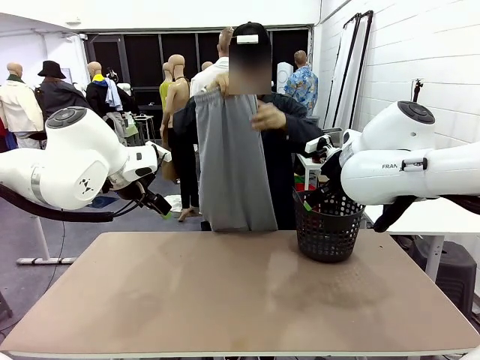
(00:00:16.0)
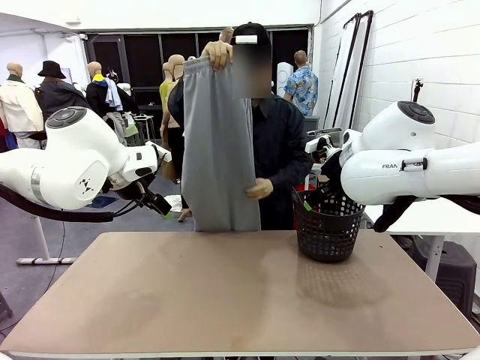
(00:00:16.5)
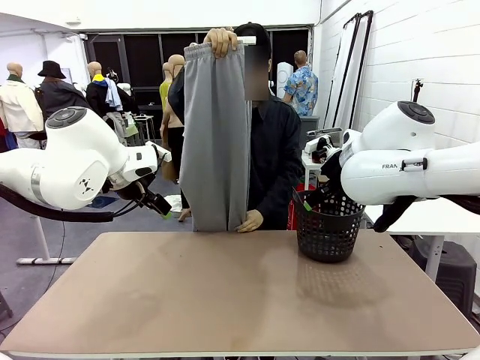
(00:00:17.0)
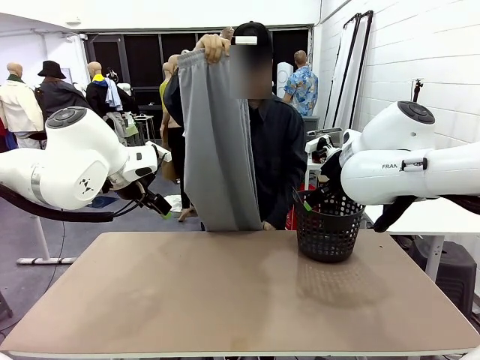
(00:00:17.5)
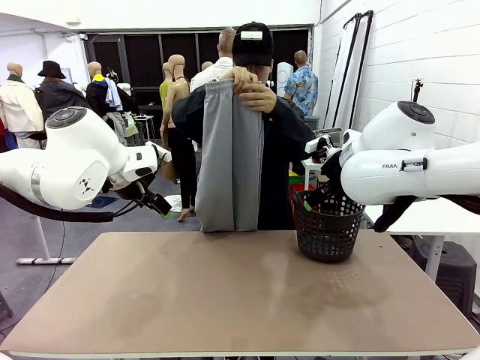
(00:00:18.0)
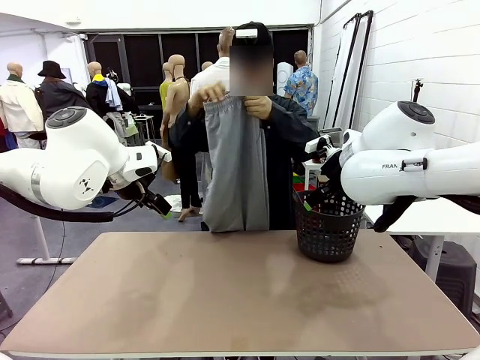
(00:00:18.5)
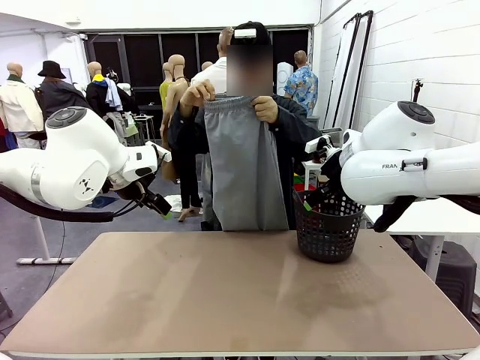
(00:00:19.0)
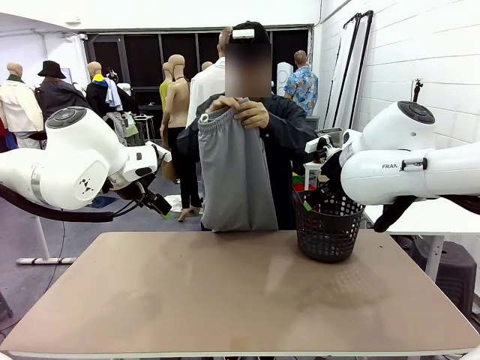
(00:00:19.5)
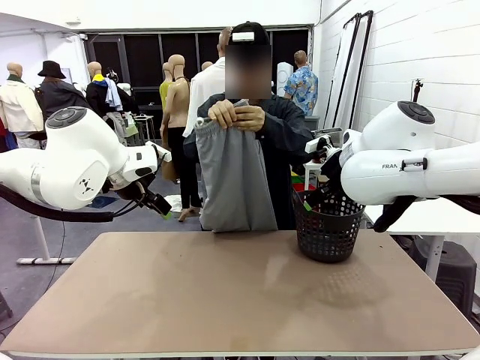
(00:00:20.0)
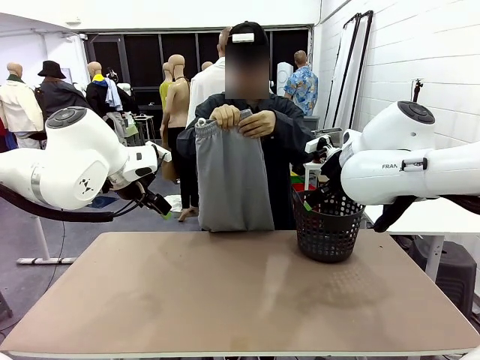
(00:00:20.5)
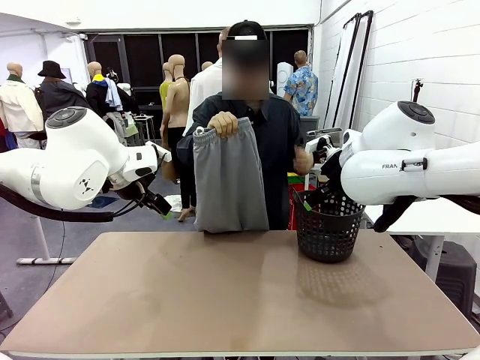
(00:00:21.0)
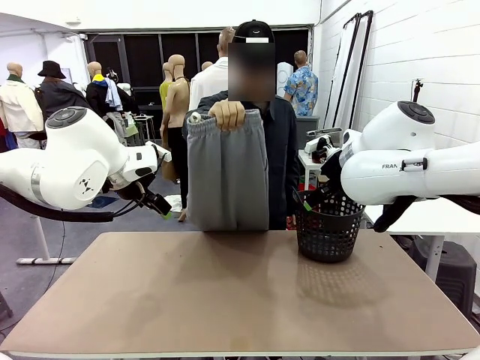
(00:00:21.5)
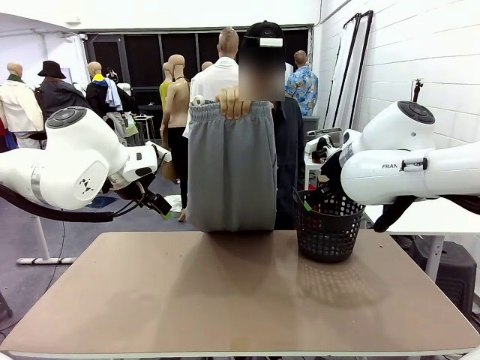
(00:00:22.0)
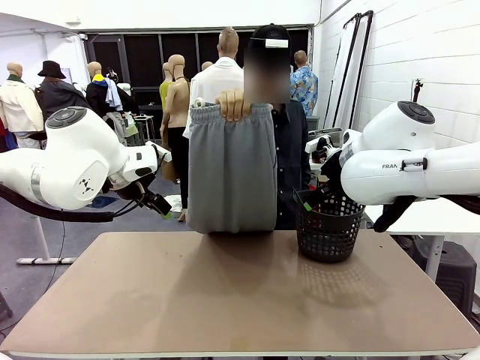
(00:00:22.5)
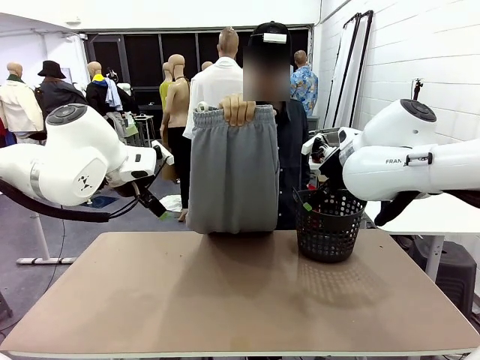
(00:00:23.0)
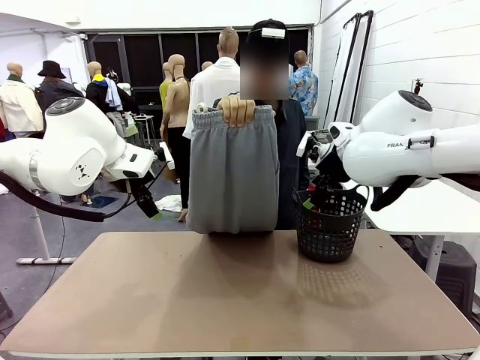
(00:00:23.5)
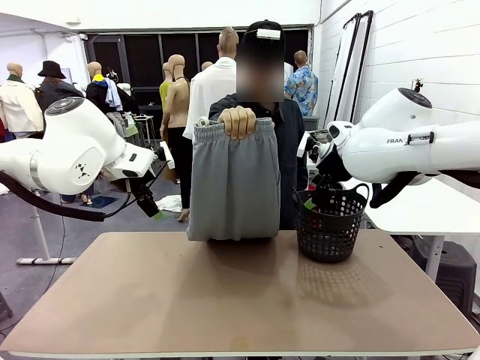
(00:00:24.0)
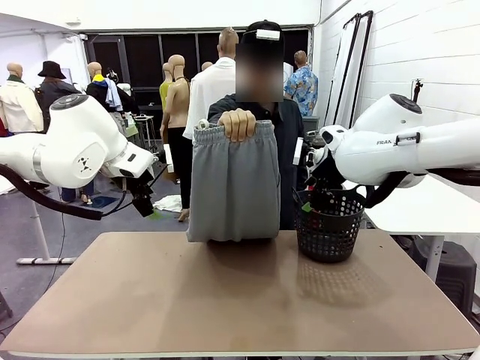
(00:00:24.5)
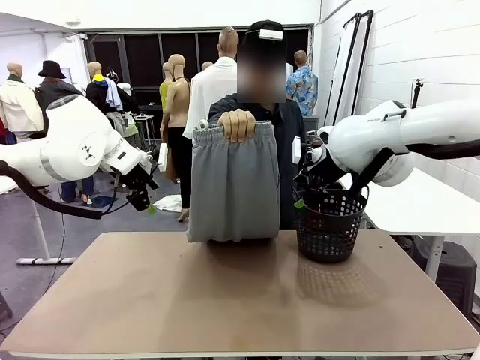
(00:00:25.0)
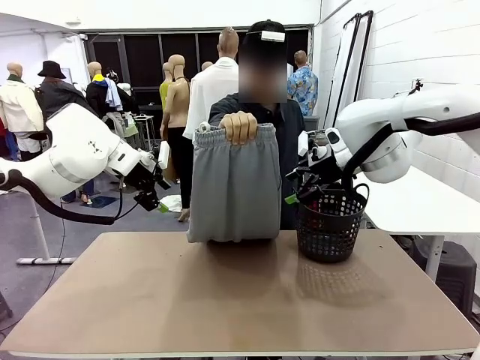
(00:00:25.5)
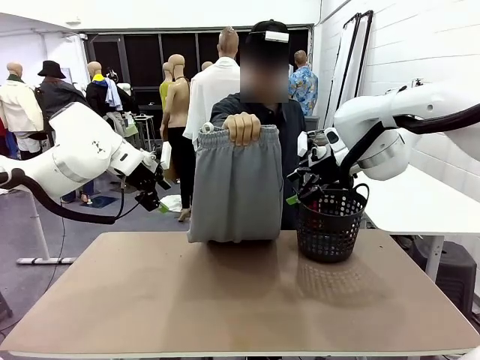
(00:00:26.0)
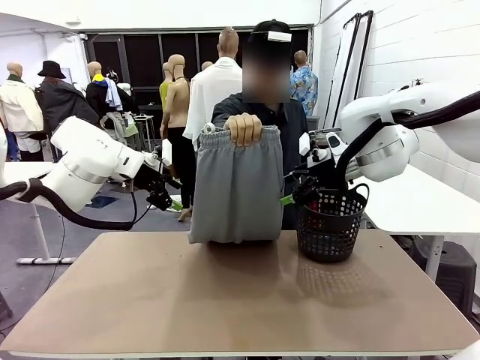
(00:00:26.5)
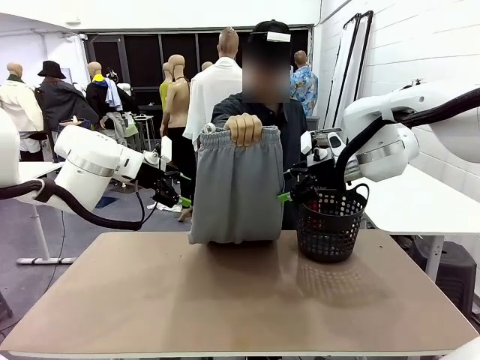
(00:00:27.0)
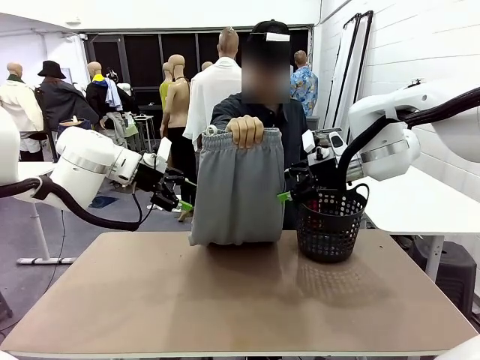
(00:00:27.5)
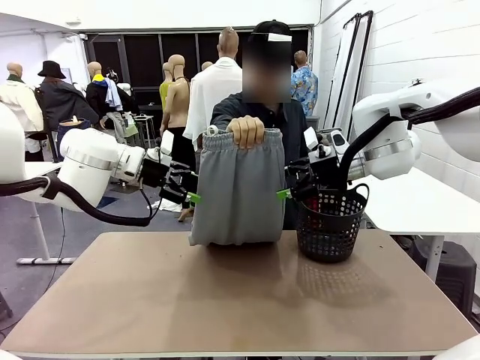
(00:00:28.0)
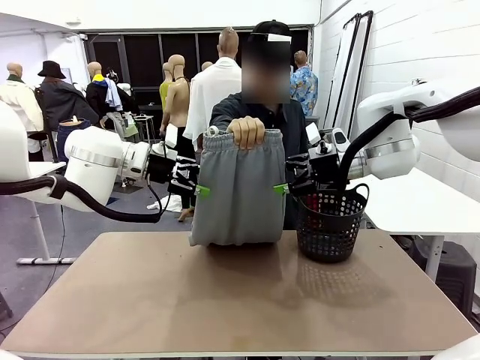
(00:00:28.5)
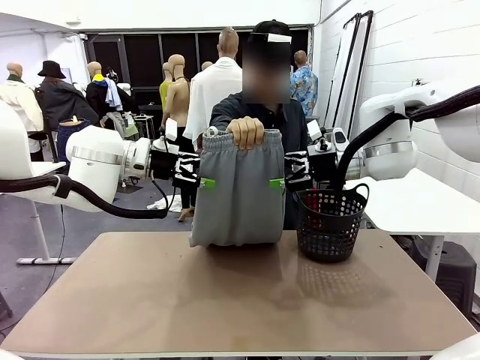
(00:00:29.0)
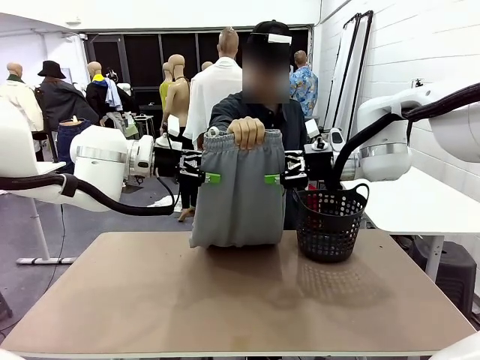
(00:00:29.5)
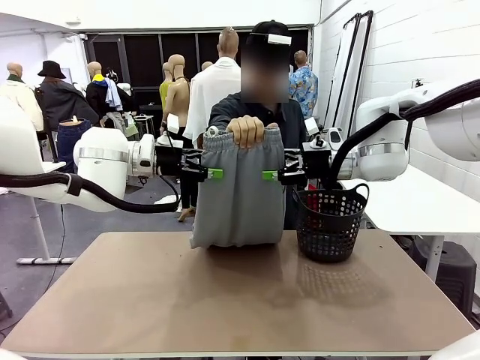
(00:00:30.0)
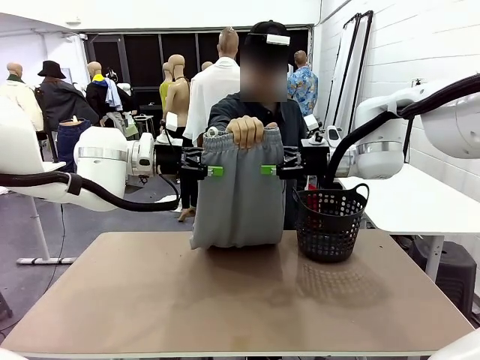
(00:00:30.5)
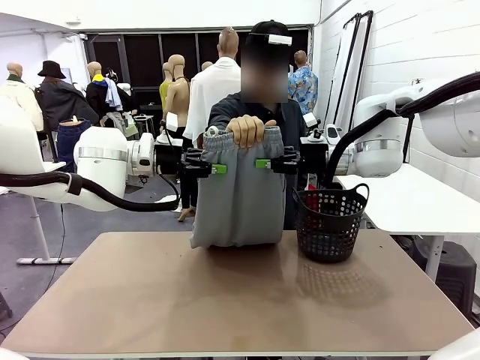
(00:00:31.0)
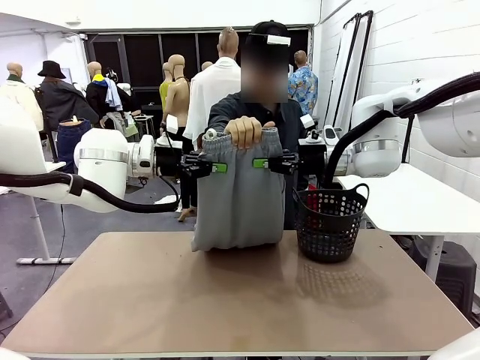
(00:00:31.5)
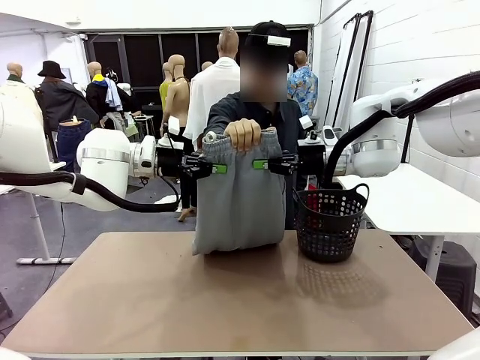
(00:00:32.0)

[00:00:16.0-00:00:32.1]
Task: Fold the training pants.
Robot: Grab both ends of the Training pants handed by a person.
